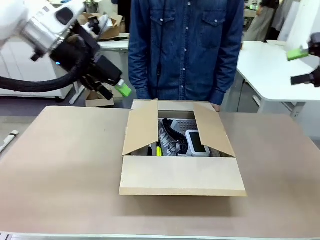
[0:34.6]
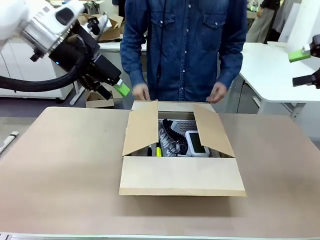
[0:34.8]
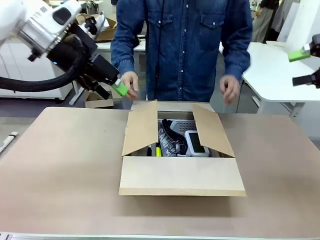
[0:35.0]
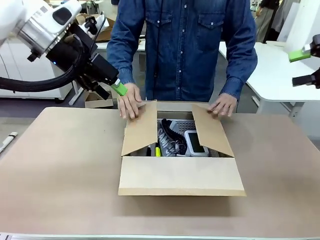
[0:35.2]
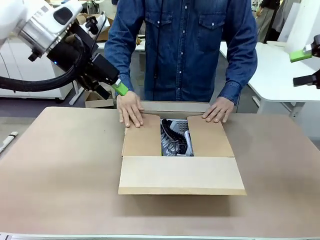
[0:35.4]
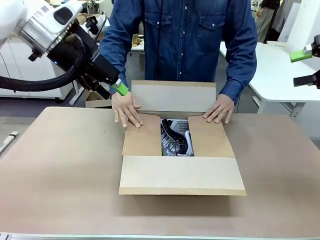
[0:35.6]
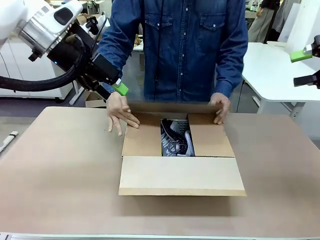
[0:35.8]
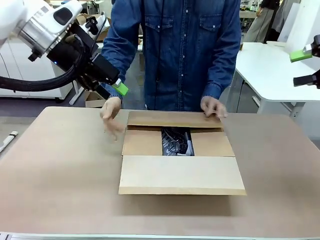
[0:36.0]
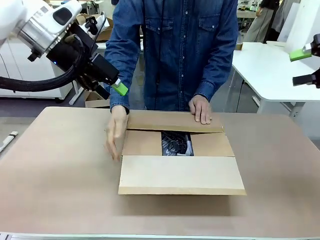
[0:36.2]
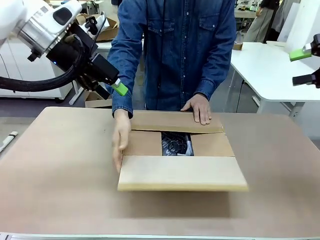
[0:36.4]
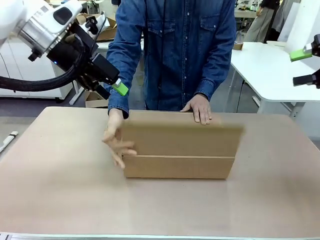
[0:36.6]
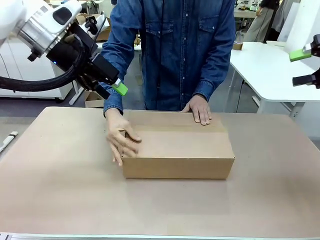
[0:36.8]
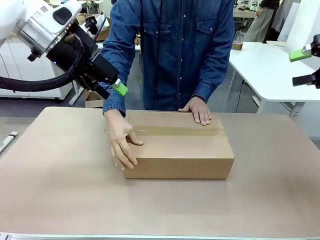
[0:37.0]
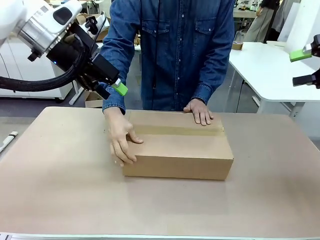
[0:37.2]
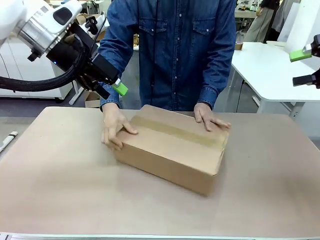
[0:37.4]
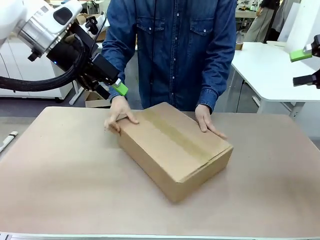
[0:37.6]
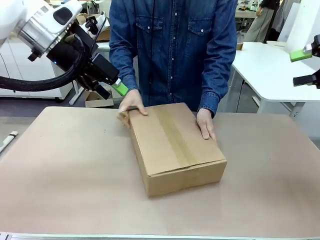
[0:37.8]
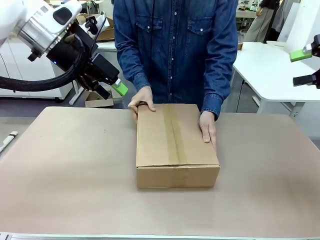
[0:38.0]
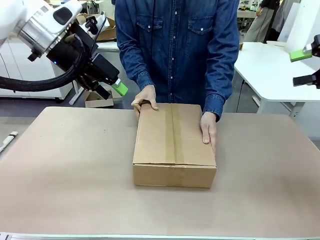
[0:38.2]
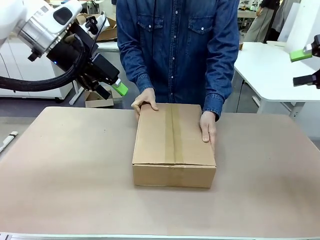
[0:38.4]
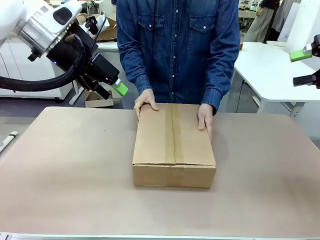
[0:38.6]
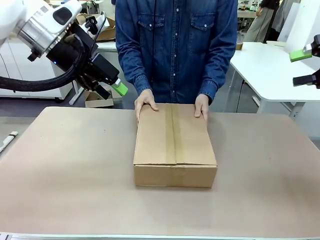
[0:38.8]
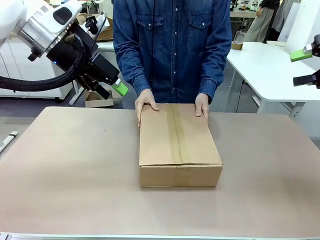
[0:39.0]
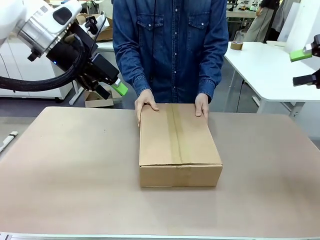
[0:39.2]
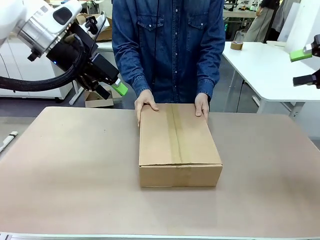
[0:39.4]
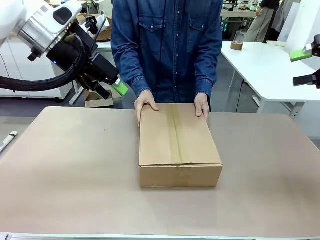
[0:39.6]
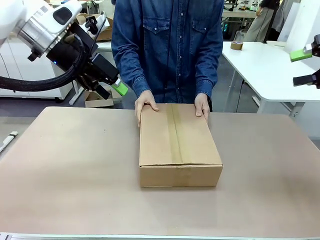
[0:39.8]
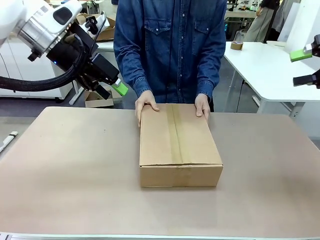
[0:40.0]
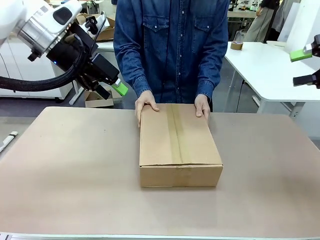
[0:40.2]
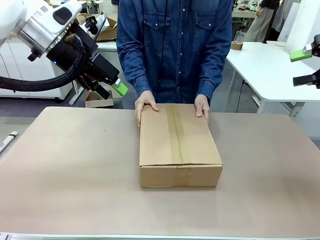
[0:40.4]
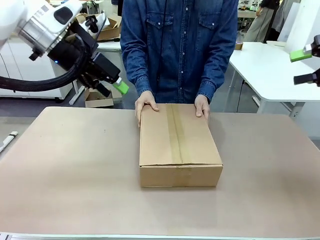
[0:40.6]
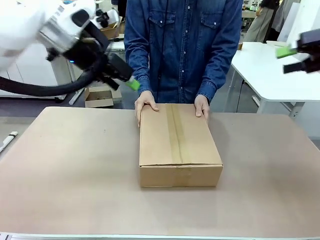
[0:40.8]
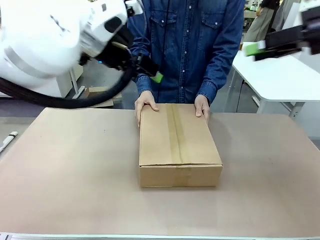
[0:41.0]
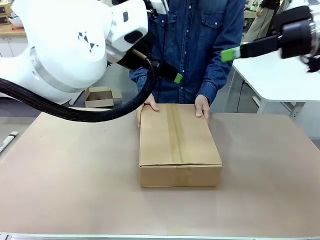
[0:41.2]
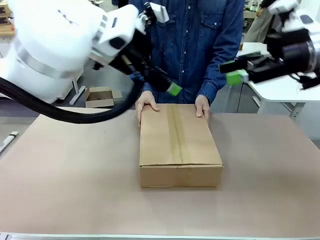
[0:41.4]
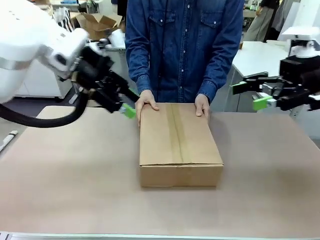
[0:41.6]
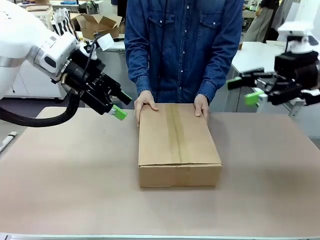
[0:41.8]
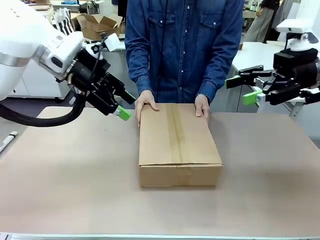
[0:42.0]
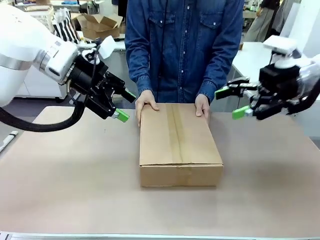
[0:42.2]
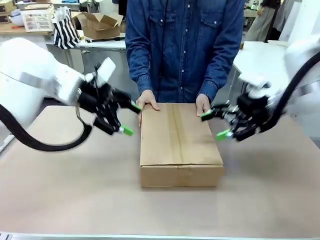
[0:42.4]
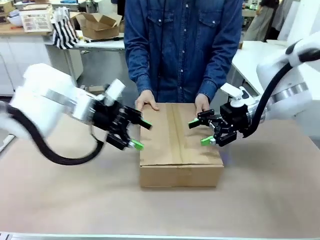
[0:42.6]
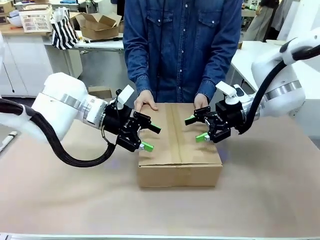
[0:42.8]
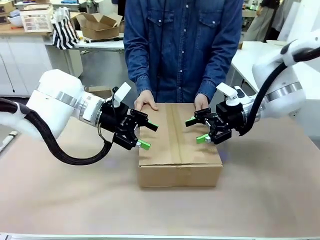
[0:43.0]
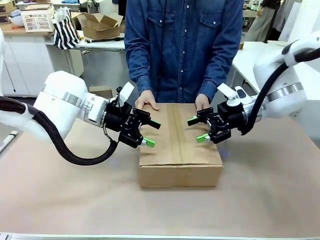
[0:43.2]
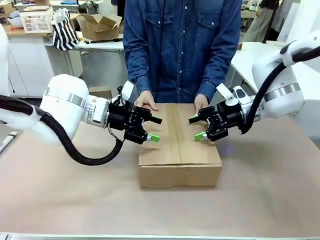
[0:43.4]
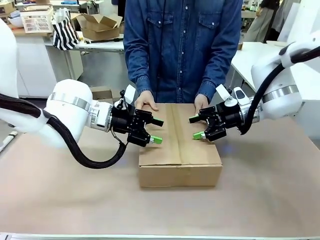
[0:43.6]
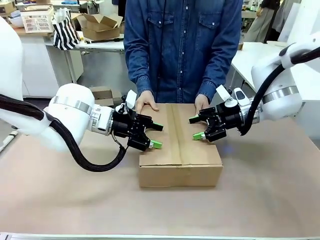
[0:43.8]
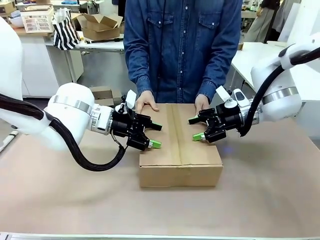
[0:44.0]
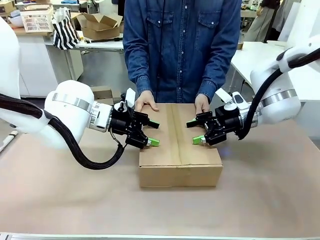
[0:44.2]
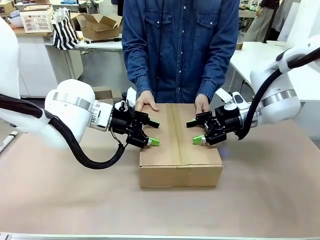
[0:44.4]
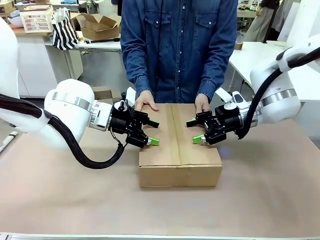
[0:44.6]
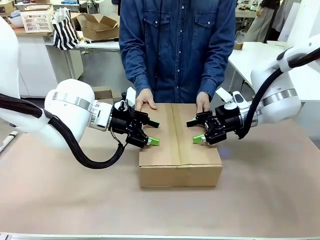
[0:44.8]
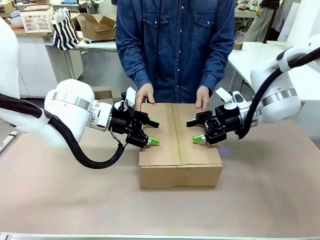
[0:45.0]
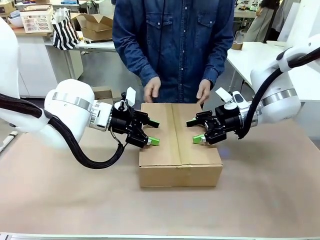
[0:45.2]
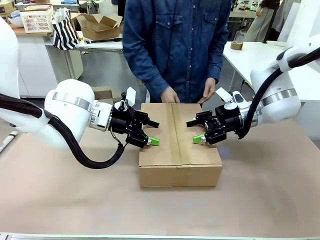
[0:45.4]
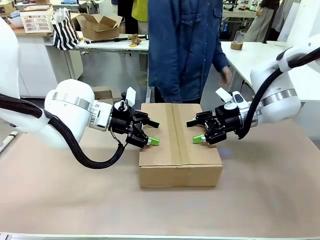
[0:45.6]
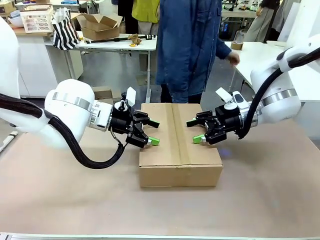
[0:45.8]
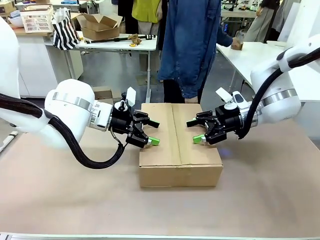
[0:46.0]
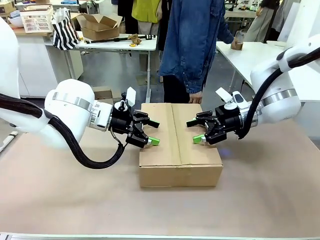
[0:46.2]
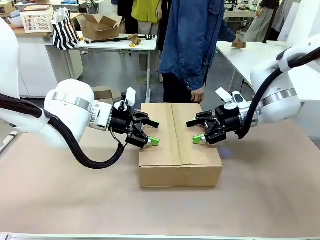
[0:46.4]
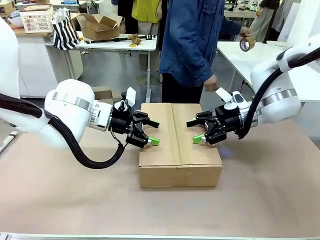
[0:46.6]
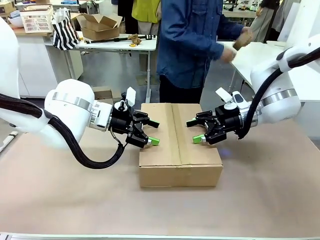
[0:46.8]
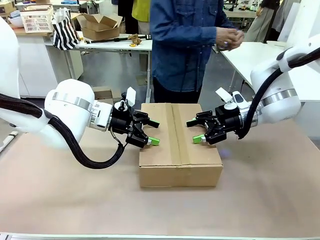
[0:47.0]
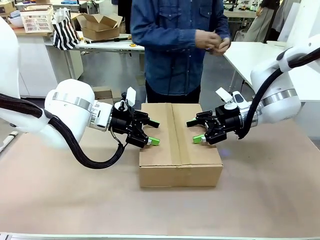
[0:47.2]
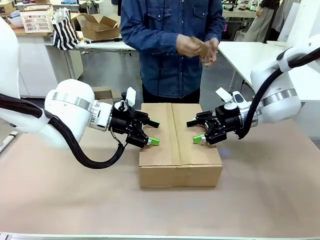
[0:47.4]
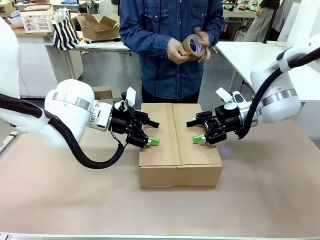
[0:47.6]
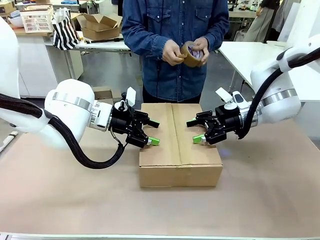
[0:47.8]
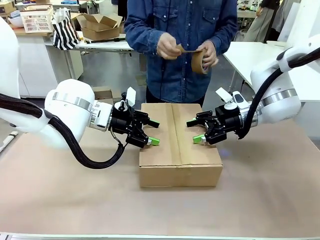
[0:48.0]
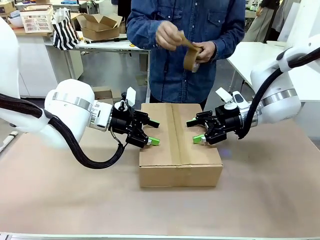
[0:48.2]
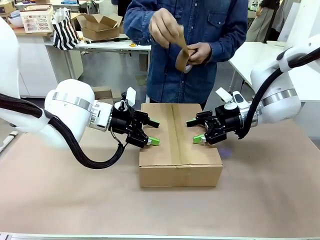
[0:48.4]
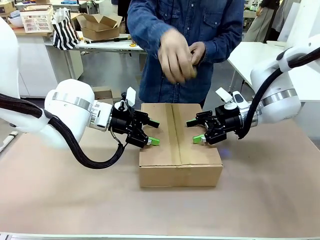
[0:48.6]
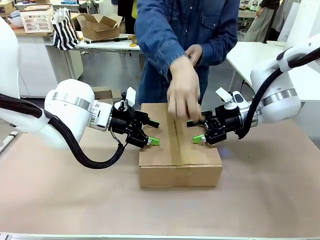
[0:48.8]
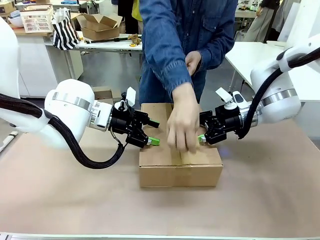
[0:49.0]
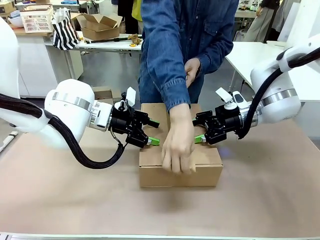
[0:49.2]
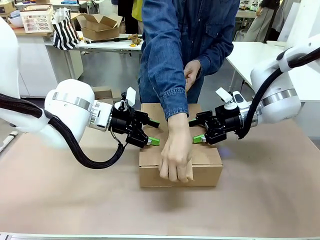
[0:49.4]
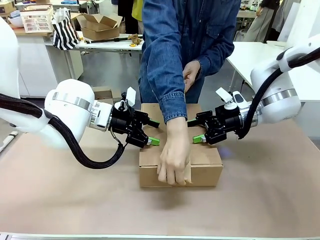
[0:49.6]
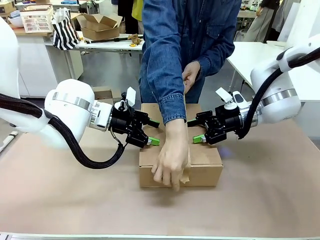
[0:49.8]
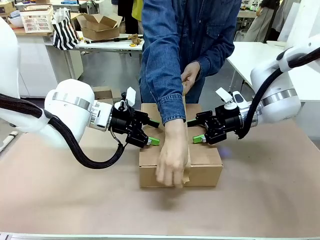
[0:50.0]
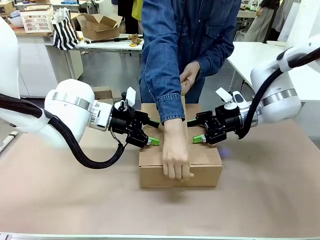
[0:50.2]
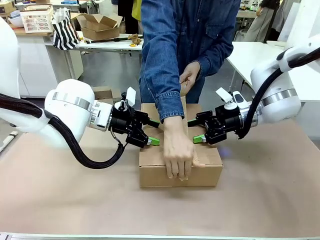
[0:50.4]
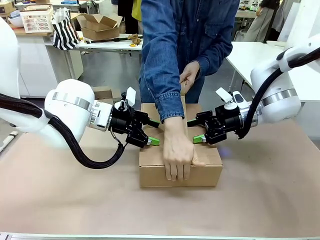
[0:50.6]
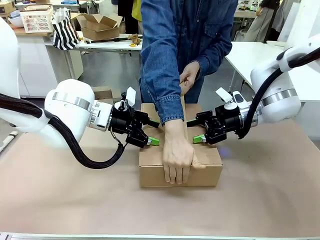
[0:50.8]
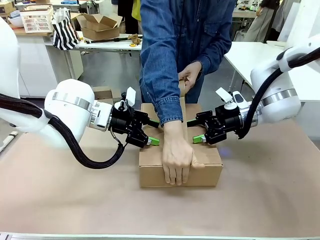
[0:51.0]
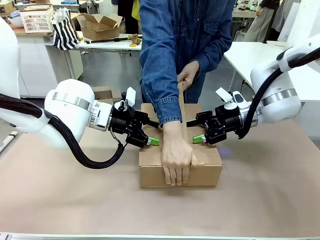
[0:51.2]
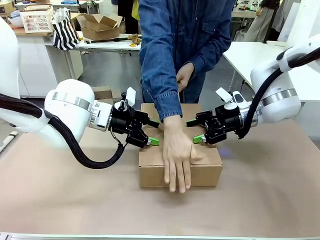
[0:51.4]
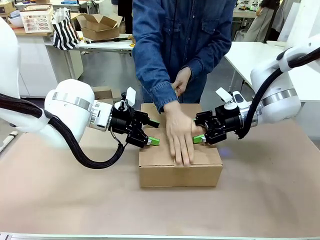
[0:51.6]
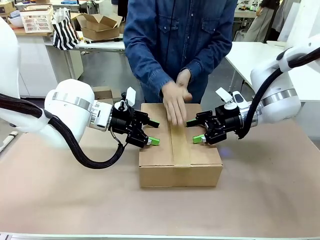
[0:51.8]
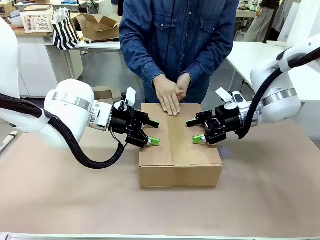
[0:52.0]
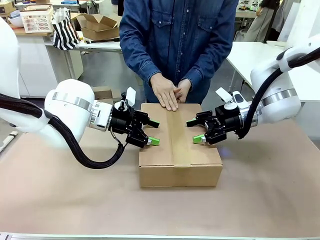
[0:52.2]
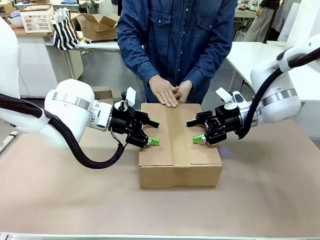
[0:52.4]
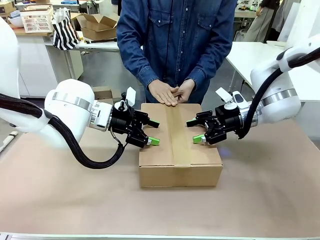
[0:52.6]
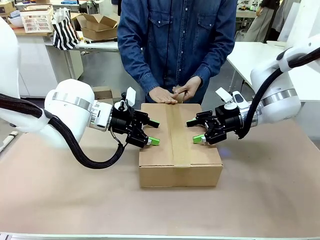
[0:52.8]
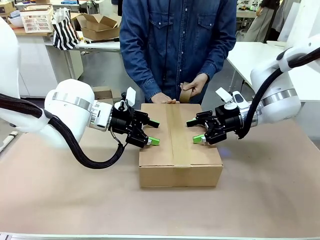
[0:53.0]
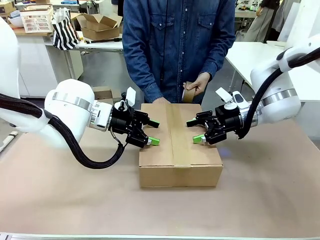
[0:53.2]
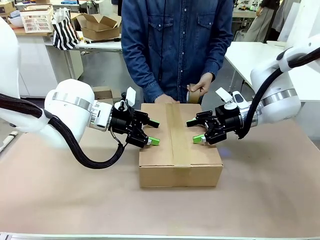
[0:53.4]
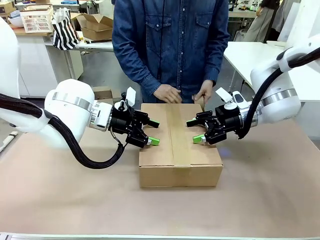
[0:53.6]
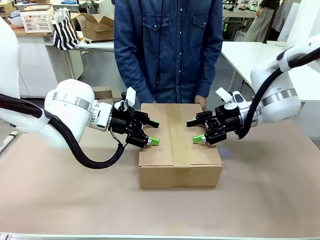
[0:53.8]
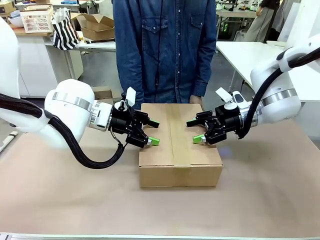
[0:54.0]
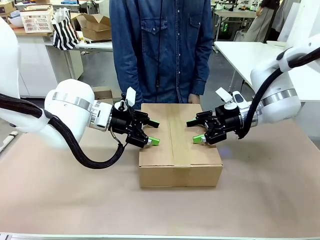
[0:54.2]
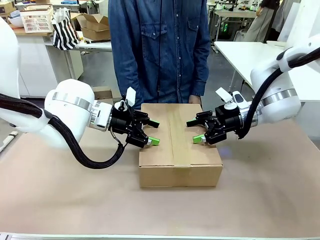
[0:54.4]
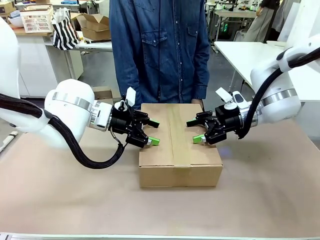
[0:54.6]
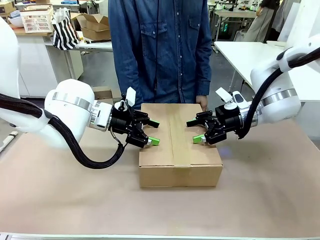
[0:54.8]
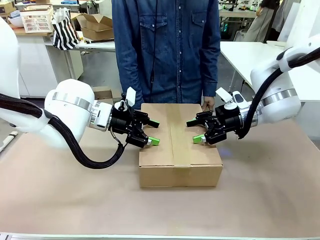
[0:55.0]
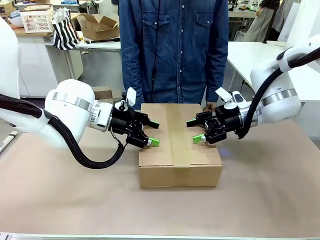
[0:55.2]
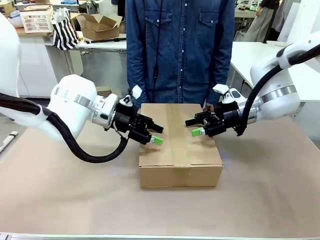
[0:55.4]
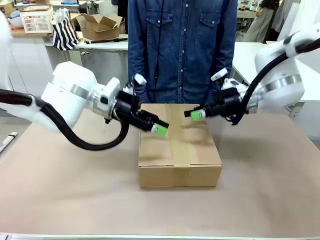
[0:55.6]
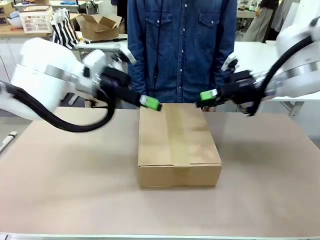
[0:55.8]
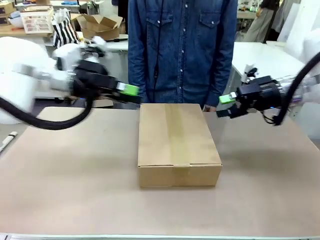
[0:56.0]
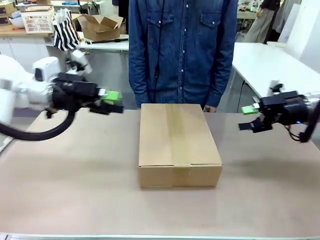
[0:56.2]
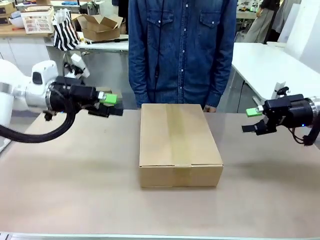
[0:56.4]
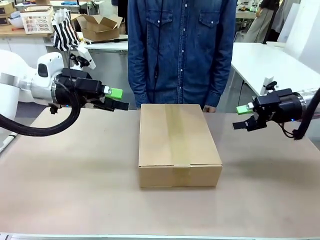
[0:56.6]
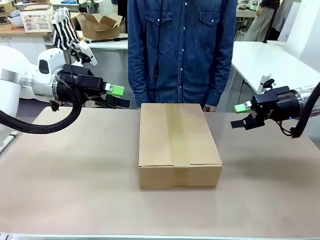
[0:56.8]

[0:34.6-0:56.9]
Task: Pack the gift set into the box.
Robot: Press and hold the closed box until the human finishes sealing it.
Person: The human closes the box and rotates the box by 90 degrees. The human picks up the paper tape from the human table and packs the box.
